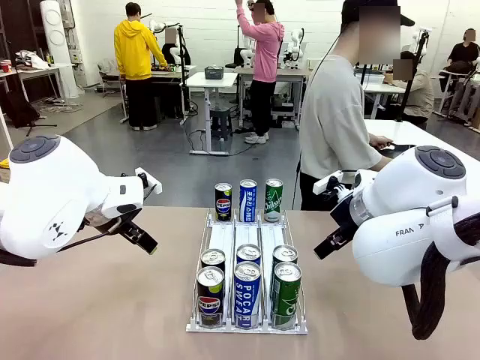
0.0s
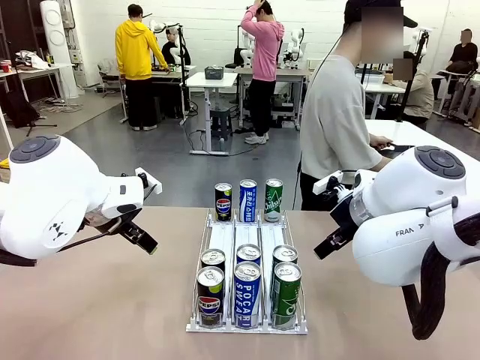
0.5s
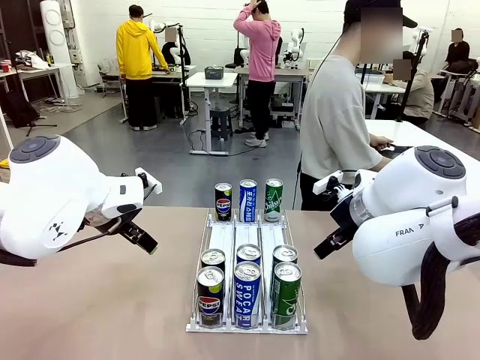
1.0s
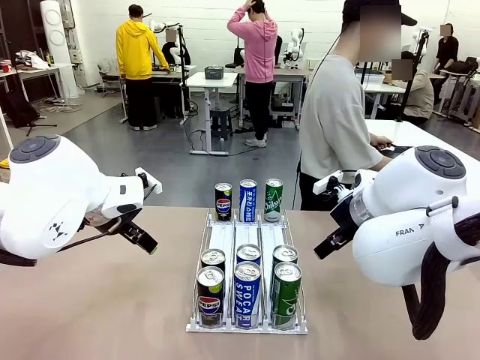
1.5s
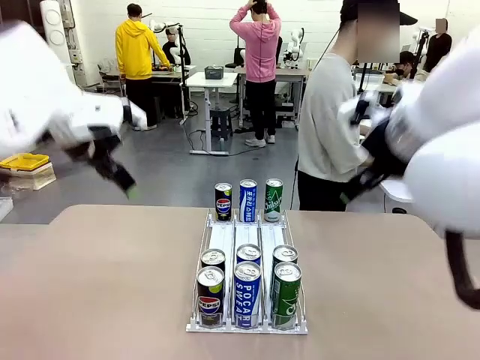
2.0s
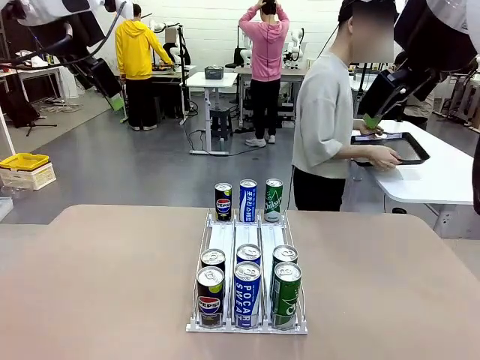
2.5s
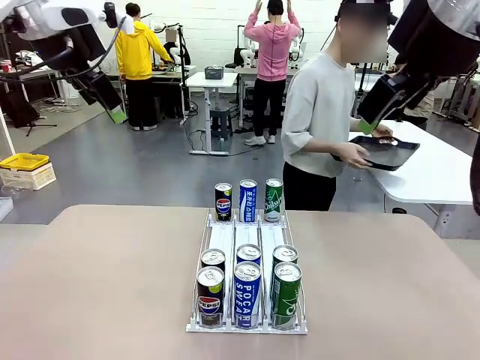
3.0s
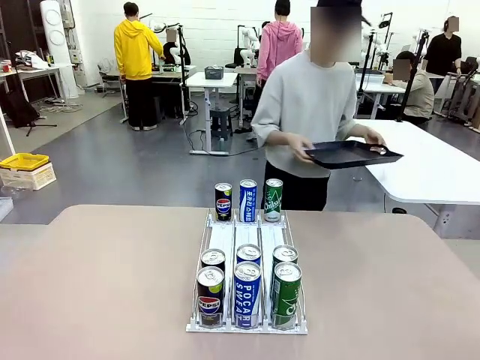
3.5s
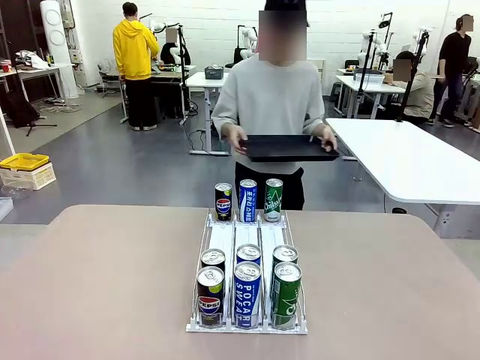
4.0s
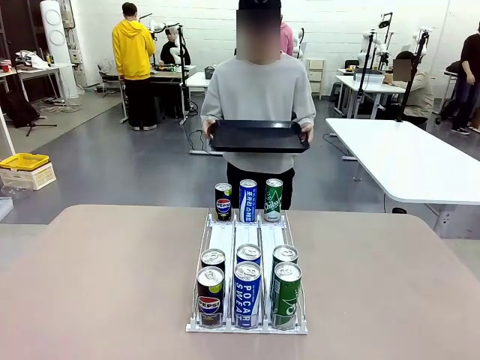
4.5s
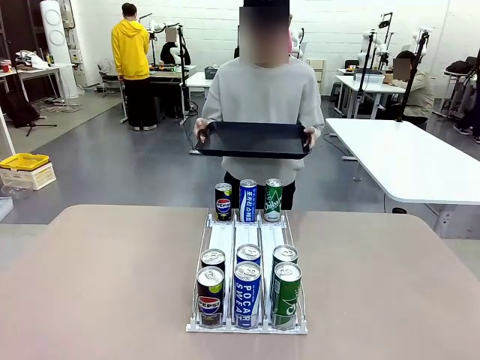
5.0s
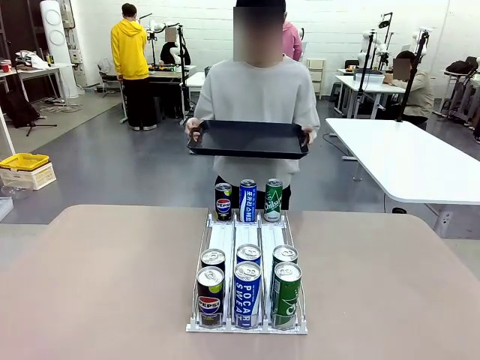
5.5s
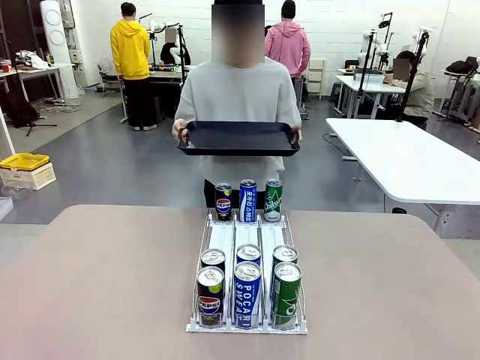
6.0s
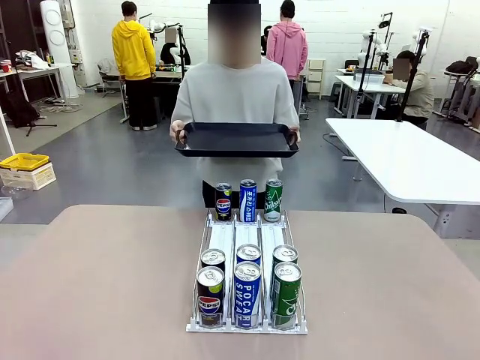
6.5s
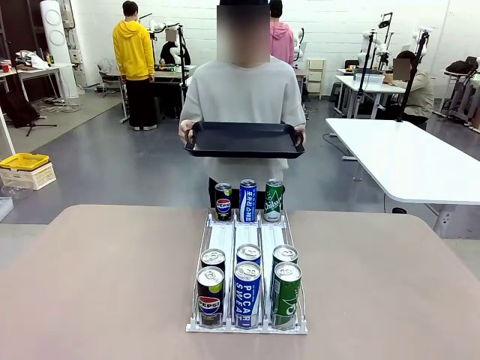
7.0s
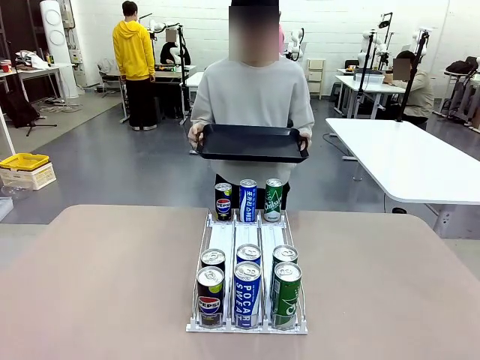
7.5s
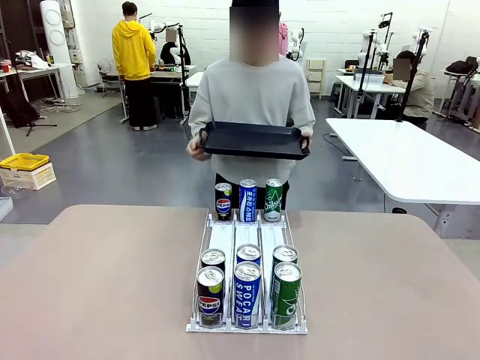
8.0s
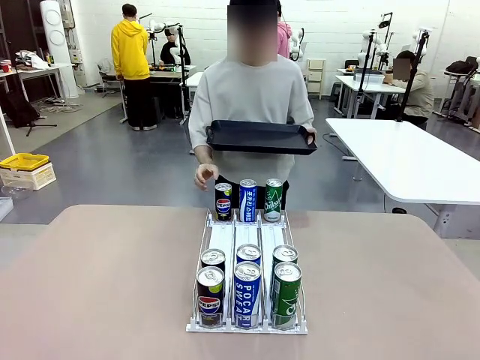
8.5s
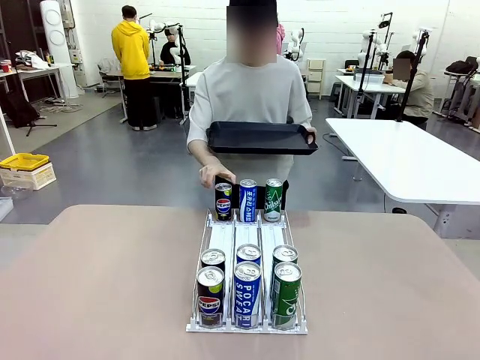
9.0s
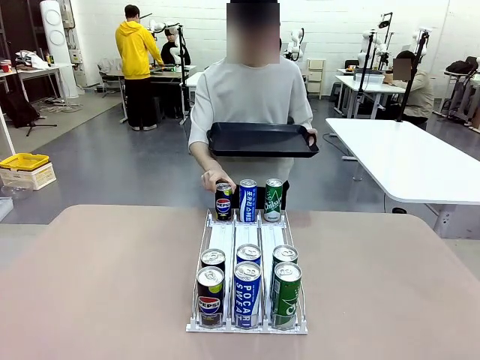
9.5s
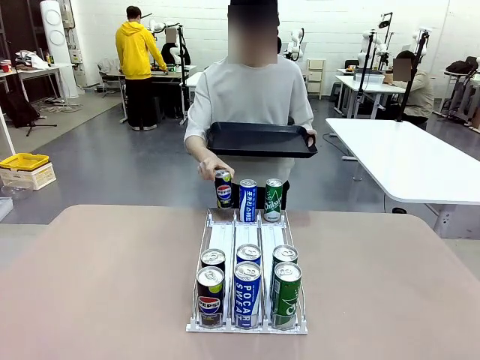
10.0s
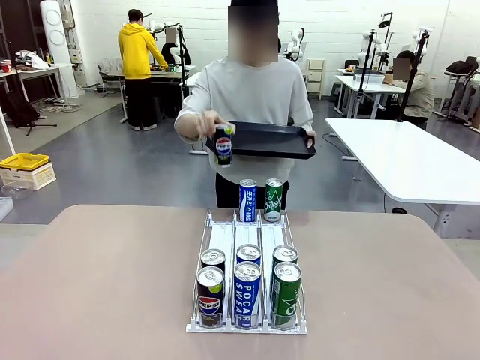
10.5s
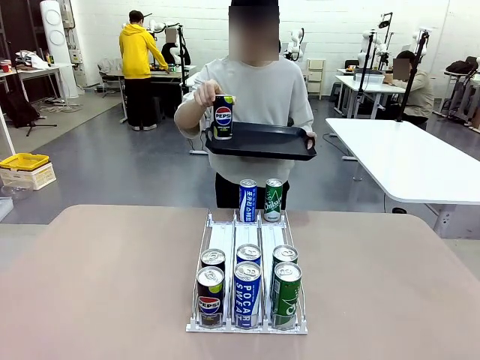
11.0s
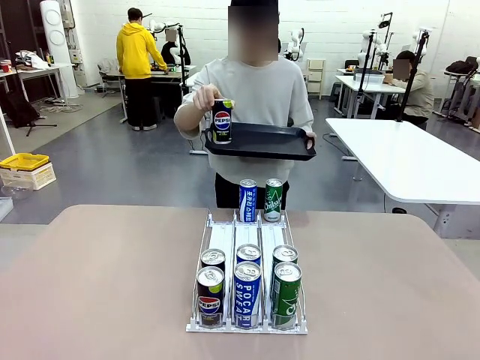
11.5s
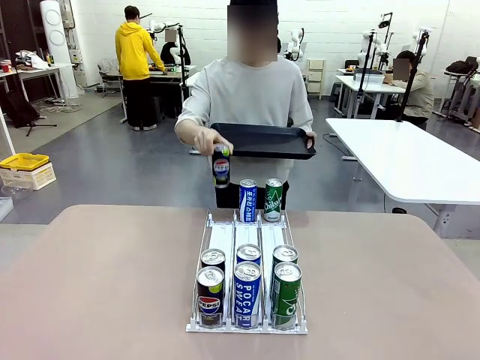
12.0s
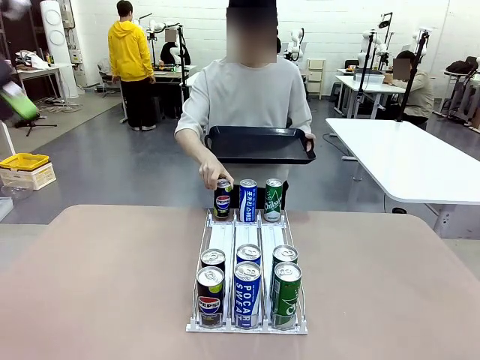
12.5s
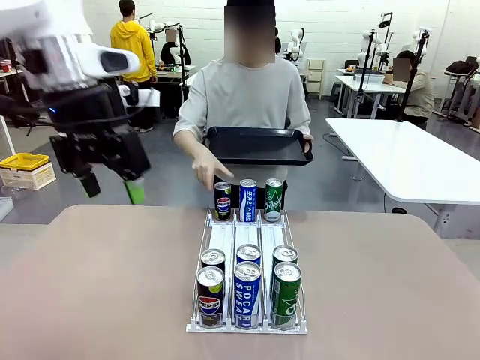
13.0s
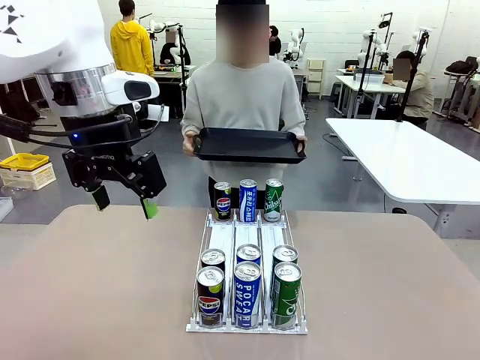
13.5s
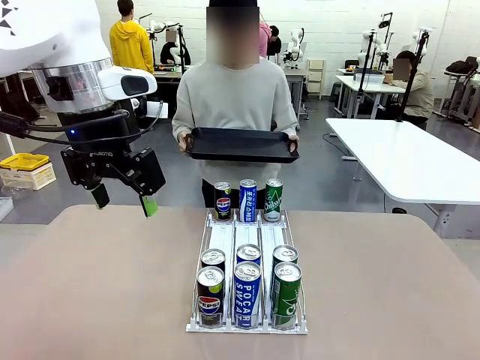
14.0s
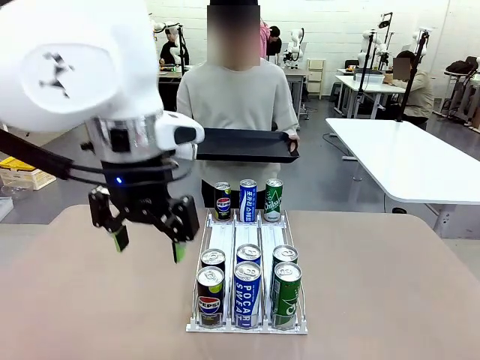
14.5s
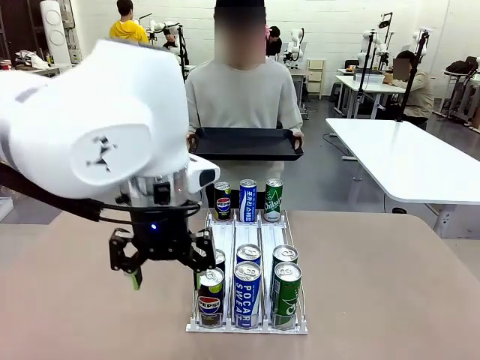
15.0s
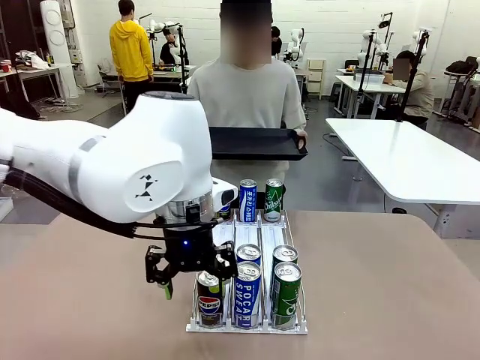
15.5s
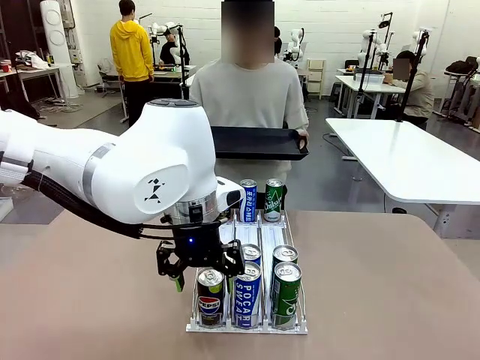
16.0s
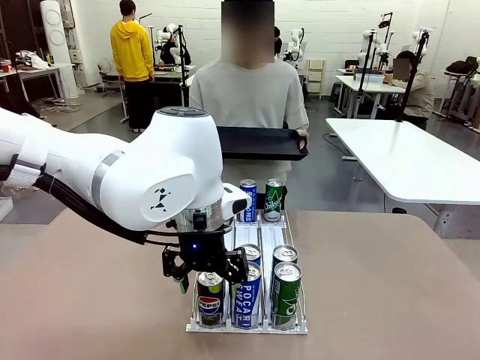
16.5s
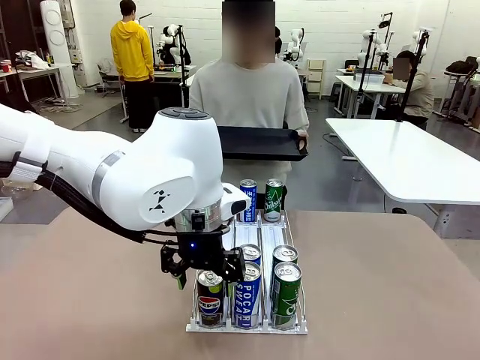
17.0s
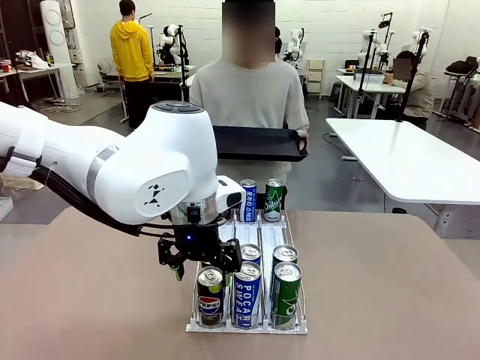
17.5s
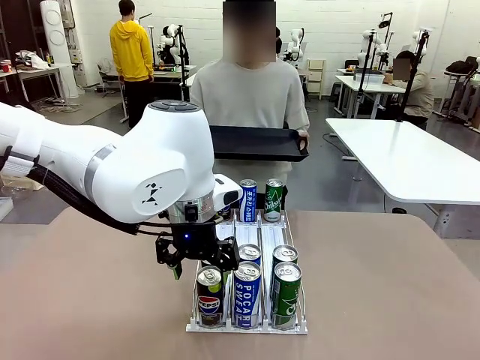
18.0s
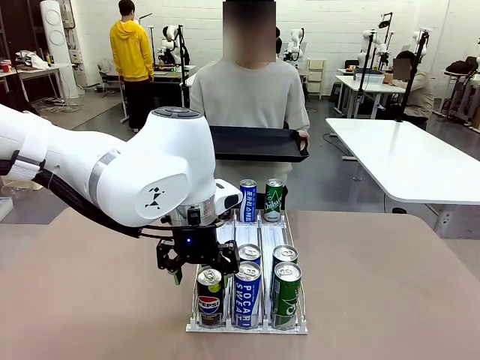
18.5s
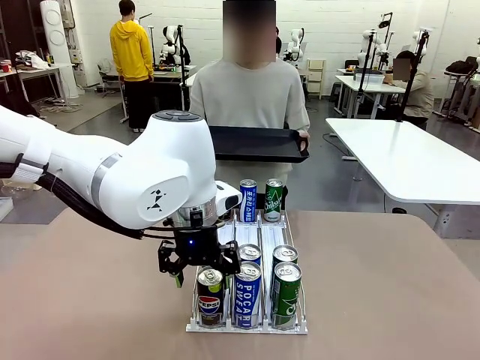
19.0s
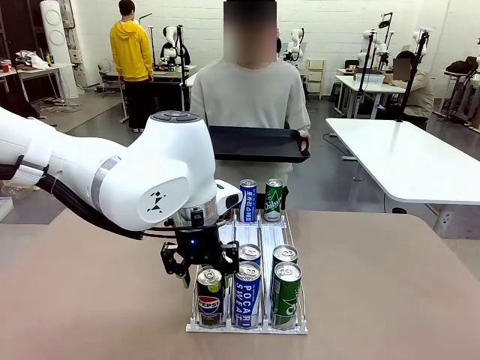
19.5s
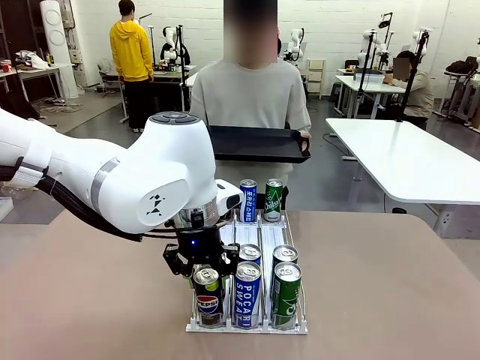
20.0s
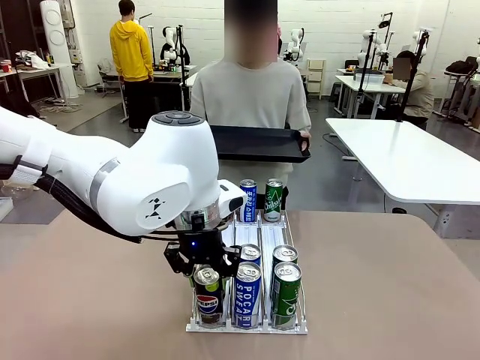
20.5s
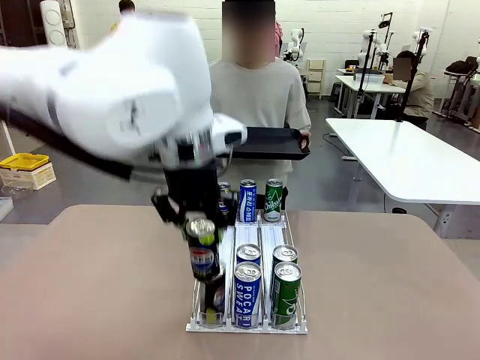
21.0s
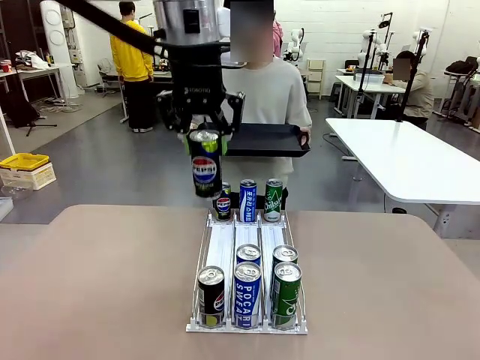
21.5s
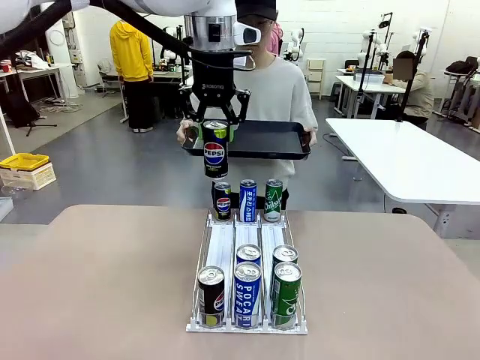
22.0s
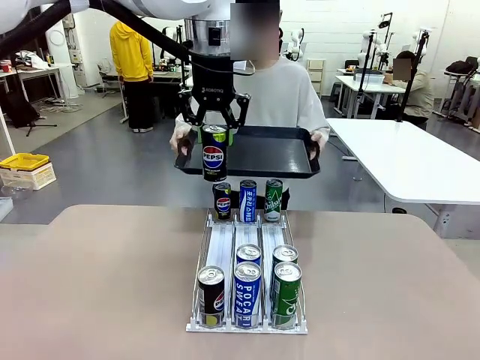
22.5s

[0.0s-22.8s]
Task: Retrieve and hand over the desired beverage to the person.
Robot: Pick up a can of the same type that the person held from the Automatic Can Dispenser.
Person: Hold the tray and position yourself in front of the robot table. Pick up one can from the bottom area of the table and puts it back in its original place. Push the tray toward the robot.

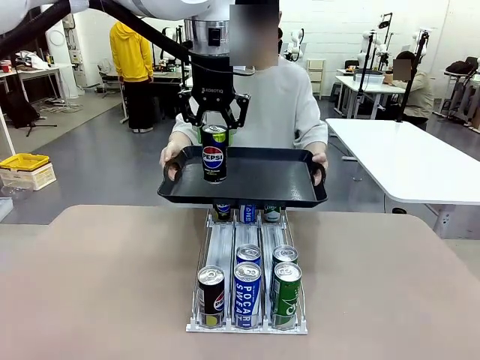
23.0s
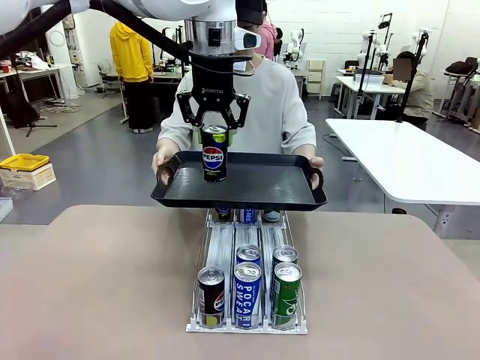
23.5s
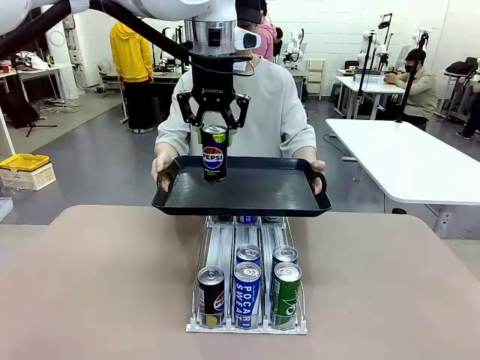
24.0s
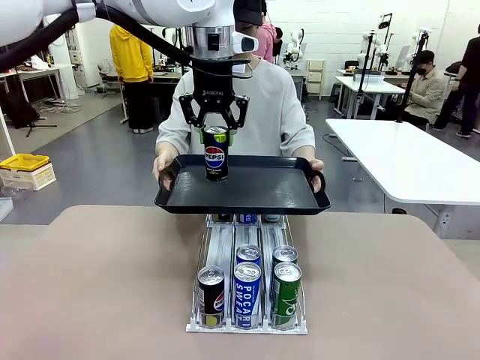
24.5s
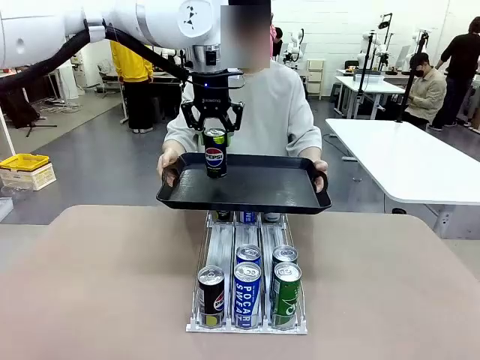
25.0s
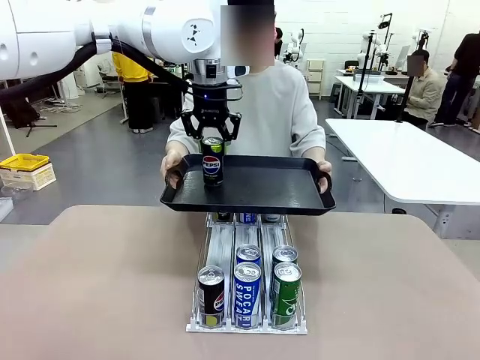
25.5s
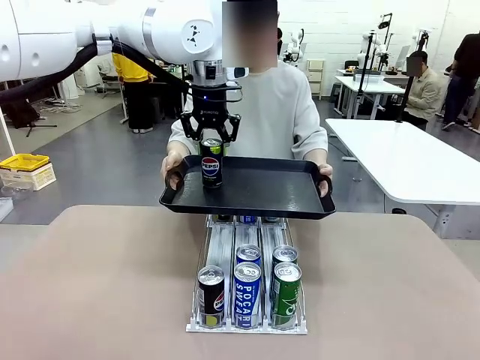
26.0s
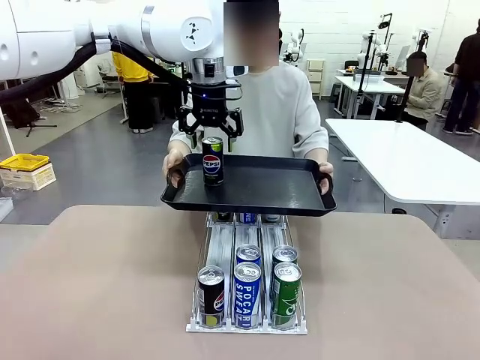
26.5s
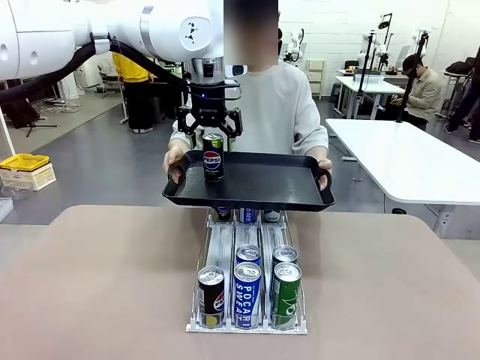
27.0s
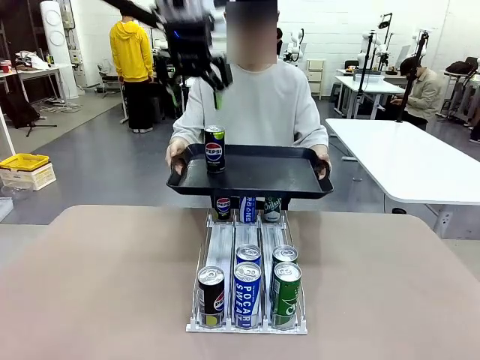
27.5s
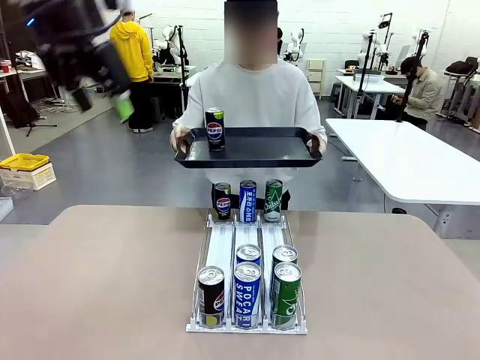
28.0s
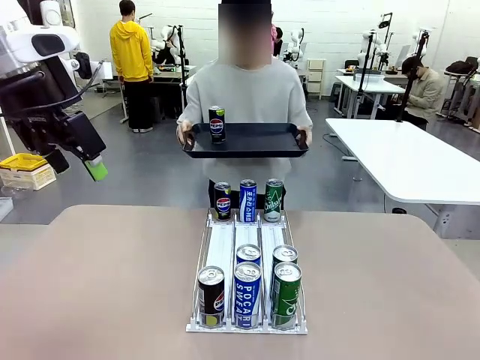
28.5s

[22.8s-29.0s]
Robot: Place the picked can on the Handle tray extended by the person.
